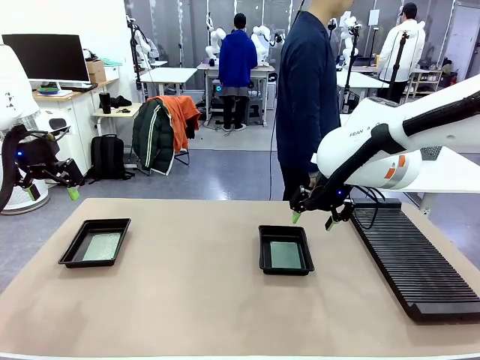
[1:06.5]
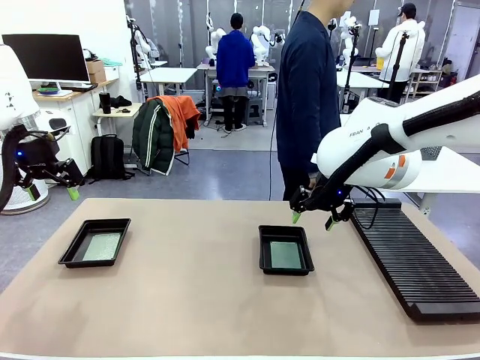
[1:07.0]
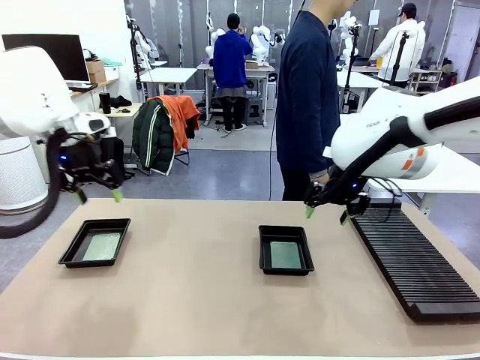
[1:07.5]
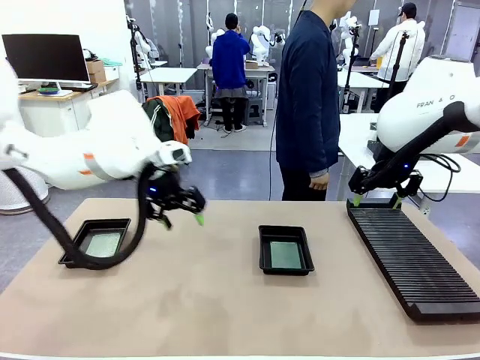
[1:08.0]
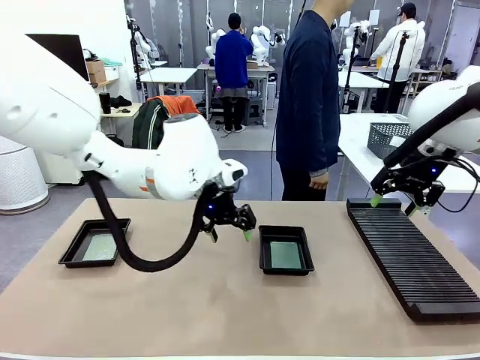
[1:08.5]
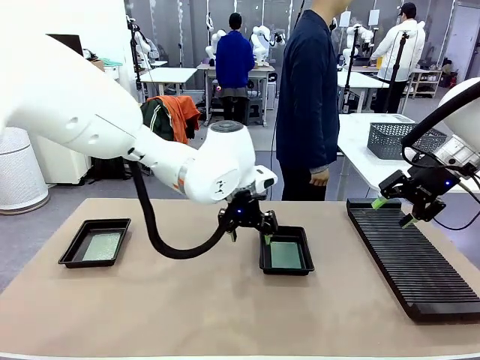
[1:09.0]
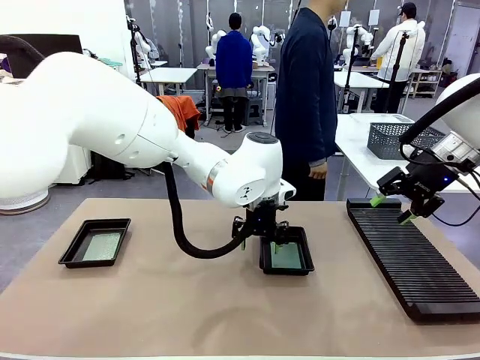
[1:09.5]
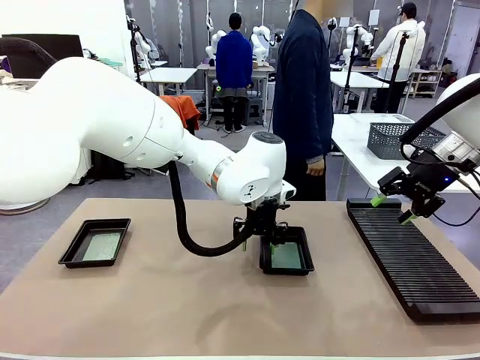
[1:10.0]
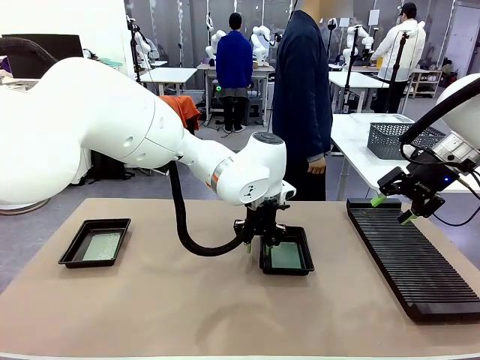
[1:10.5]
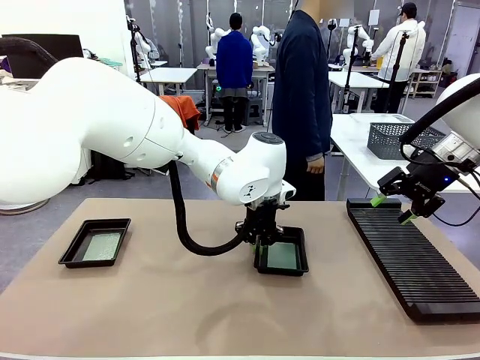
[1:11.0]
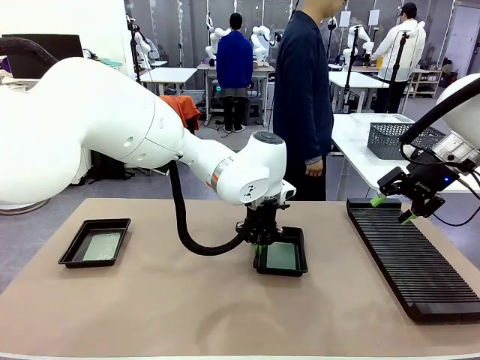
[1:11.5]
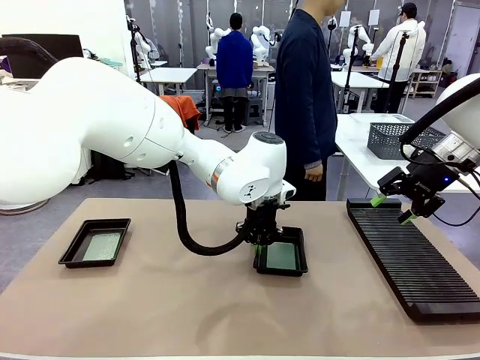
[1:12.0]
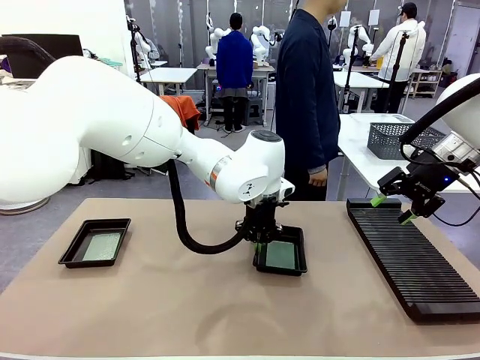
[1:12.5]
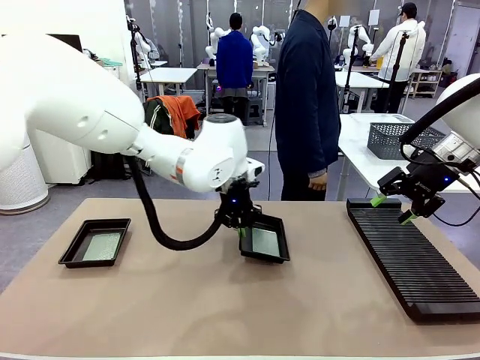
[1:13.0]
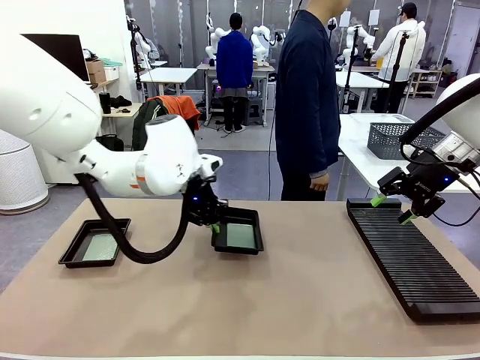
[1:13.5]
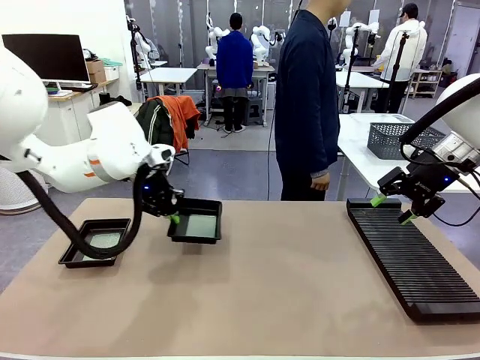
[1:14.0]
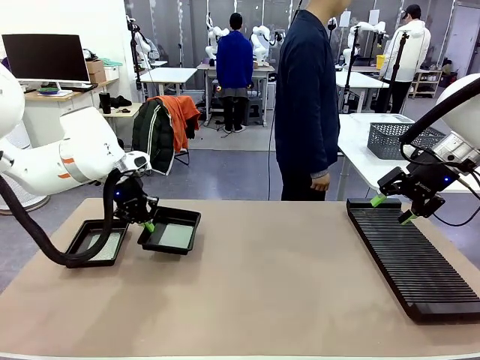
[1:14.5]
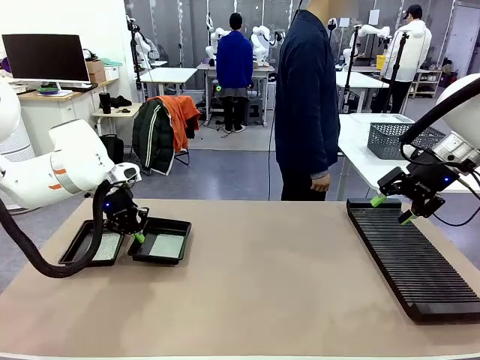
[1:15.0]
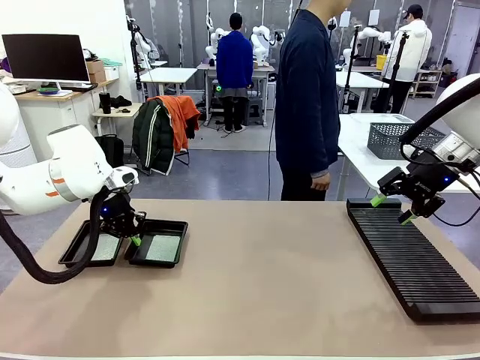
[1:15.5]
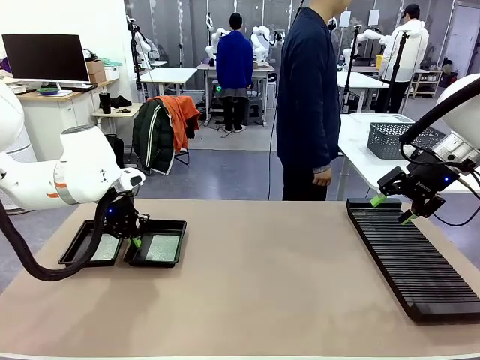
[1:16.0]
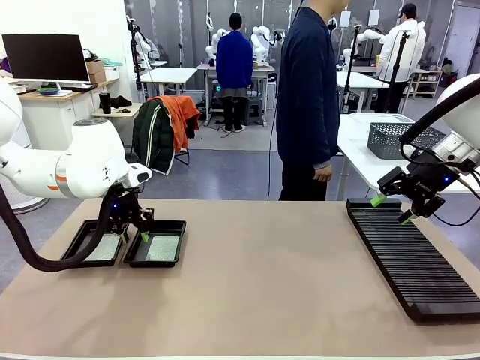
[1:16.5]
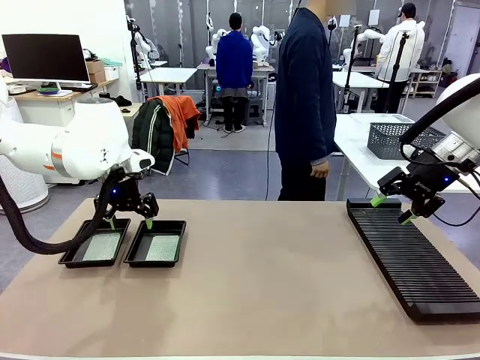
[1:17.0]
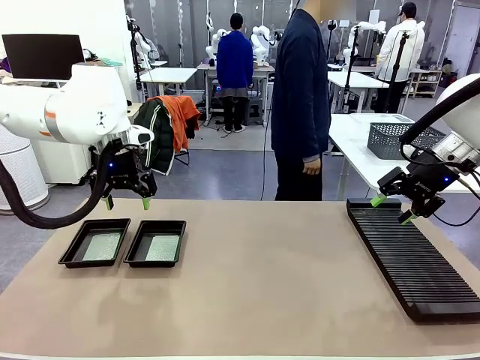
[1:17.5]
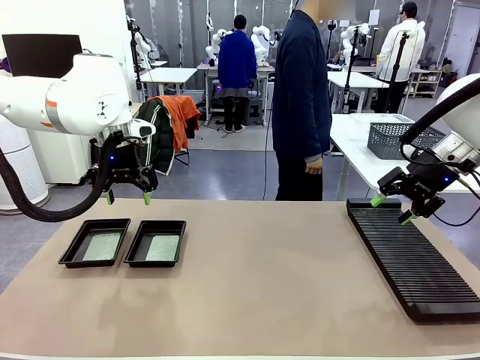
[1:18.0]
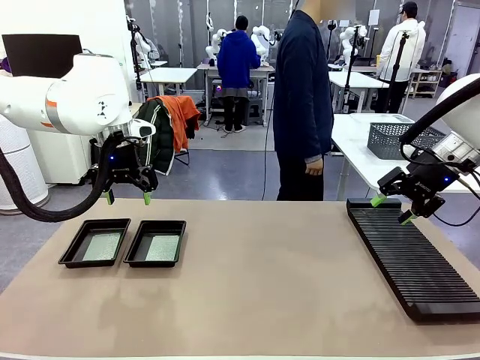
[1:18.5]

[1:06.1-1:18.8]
Task: Inspect and transfer BCBs to ESD trays.
Robot: Pick up the ESD tray and place it on the left side of the table.

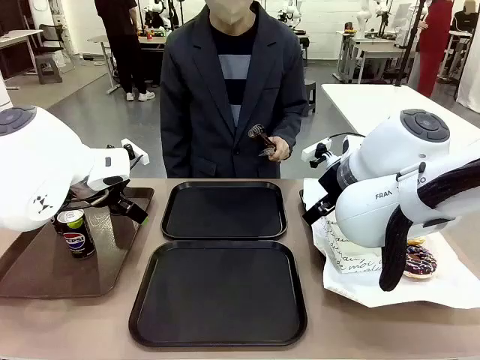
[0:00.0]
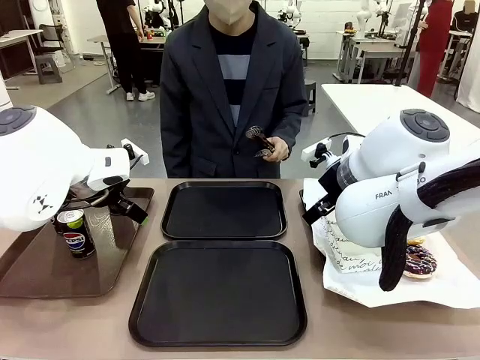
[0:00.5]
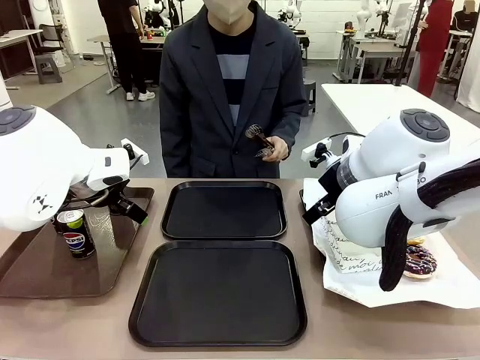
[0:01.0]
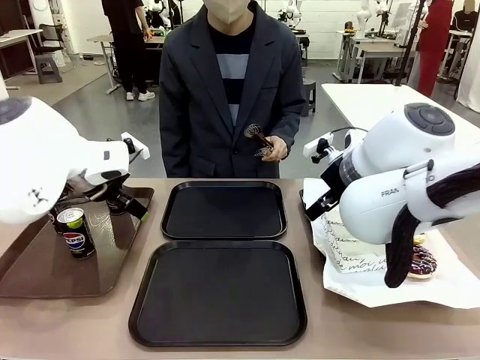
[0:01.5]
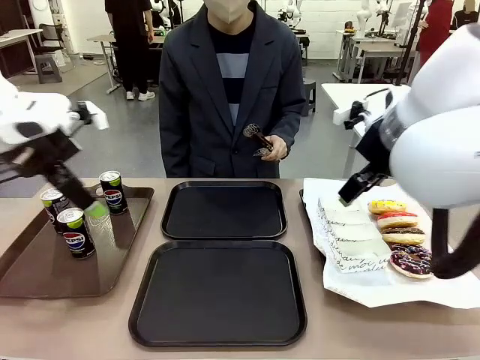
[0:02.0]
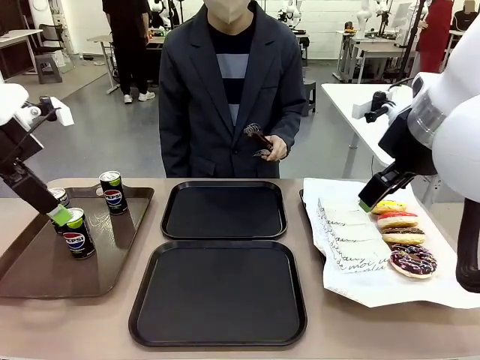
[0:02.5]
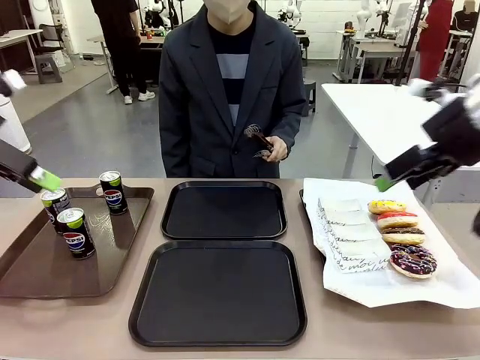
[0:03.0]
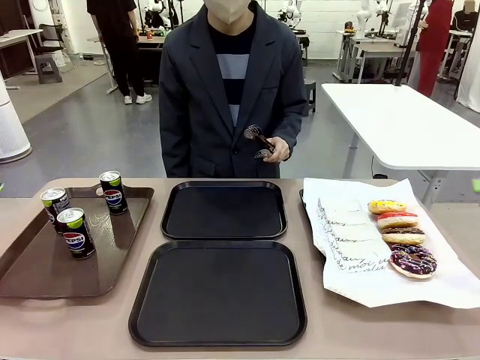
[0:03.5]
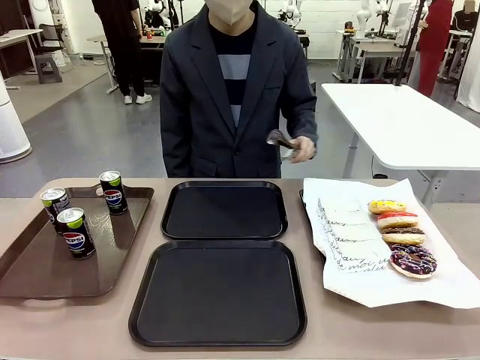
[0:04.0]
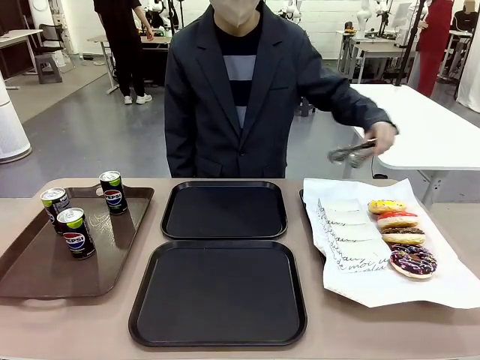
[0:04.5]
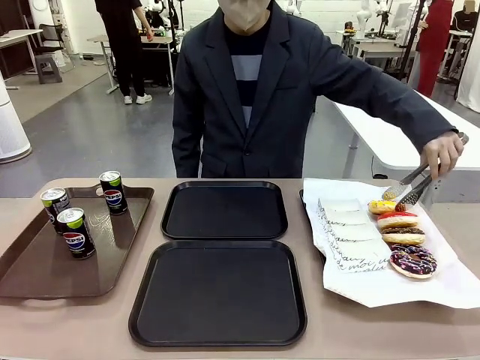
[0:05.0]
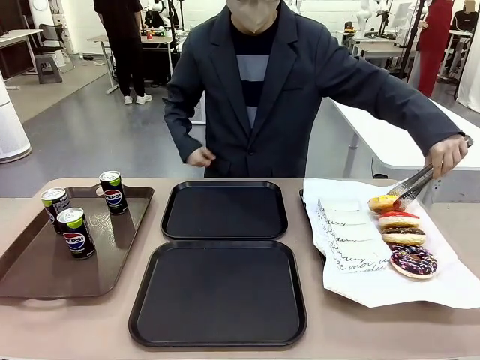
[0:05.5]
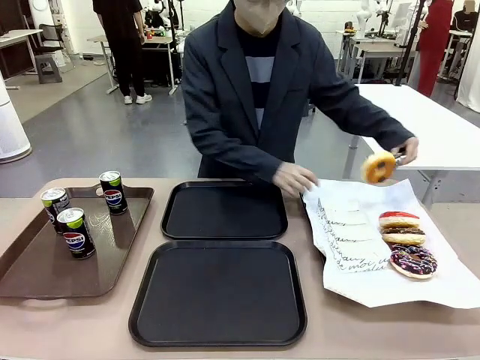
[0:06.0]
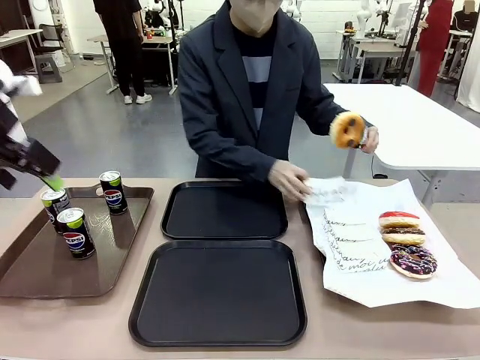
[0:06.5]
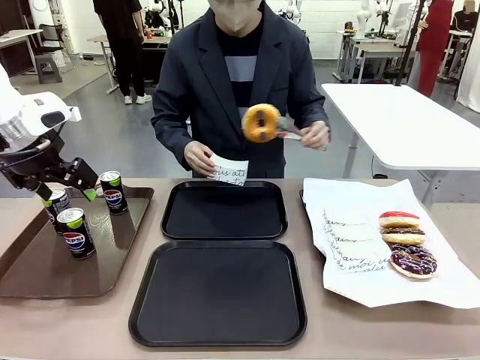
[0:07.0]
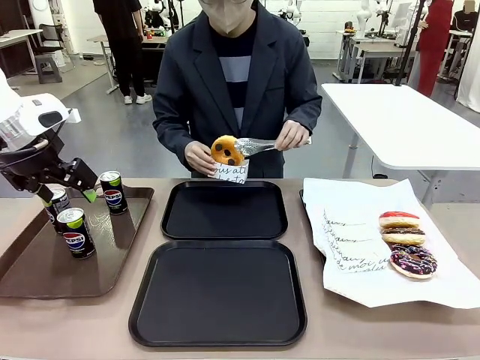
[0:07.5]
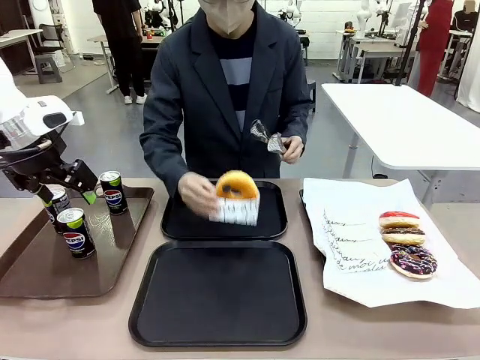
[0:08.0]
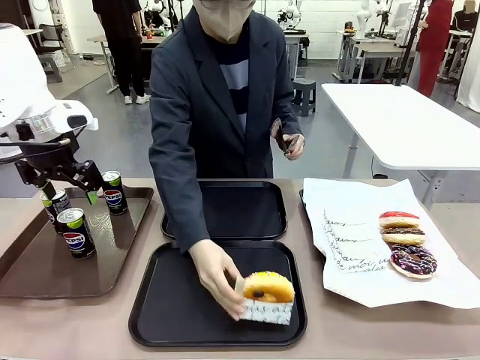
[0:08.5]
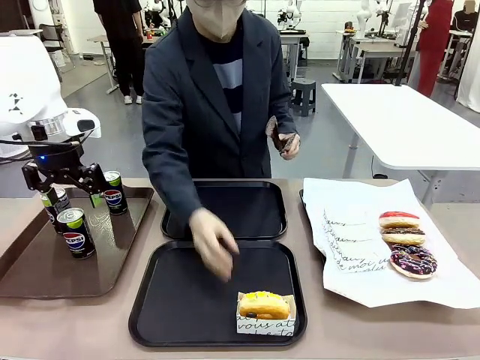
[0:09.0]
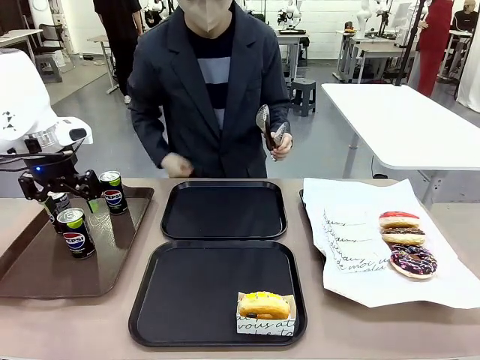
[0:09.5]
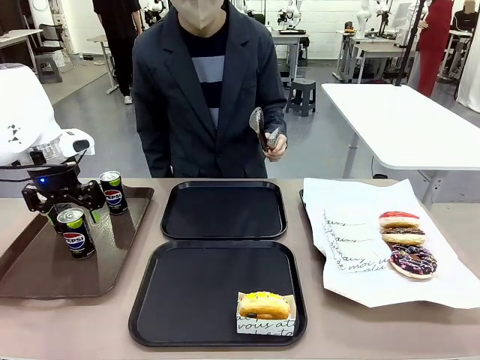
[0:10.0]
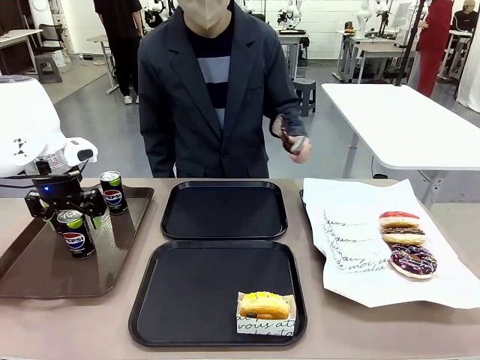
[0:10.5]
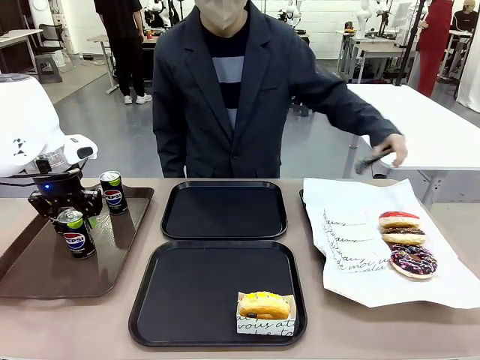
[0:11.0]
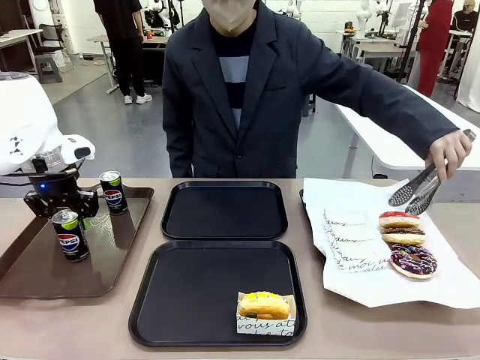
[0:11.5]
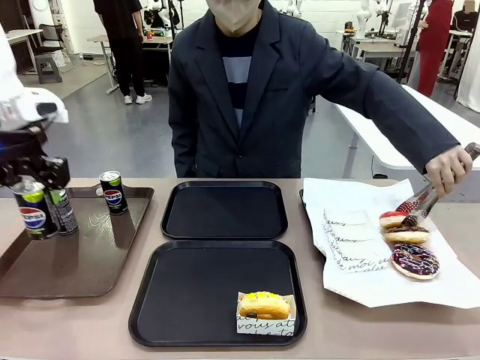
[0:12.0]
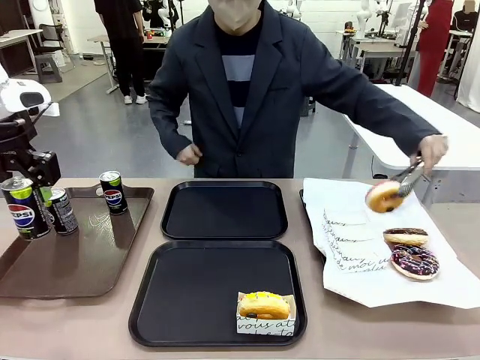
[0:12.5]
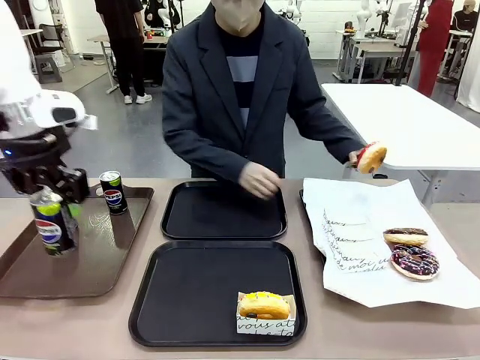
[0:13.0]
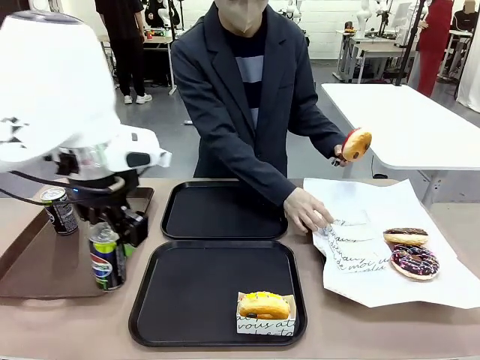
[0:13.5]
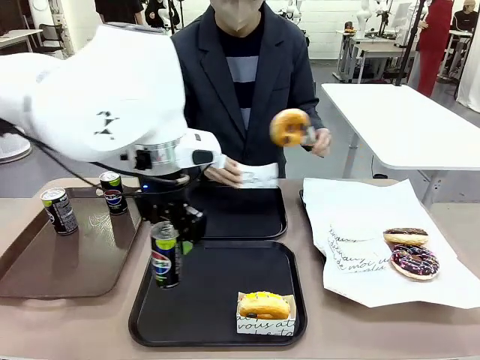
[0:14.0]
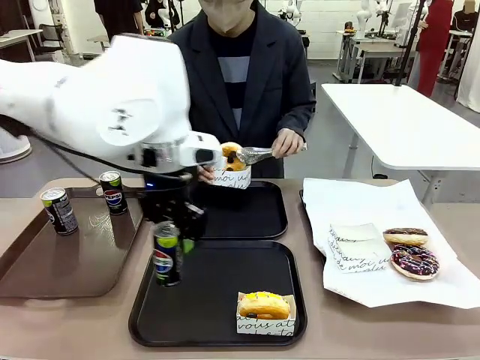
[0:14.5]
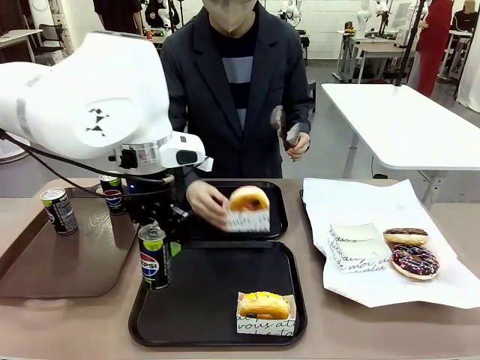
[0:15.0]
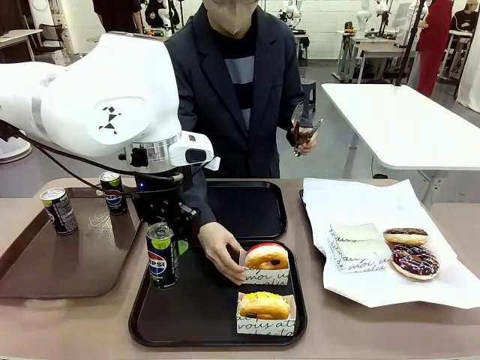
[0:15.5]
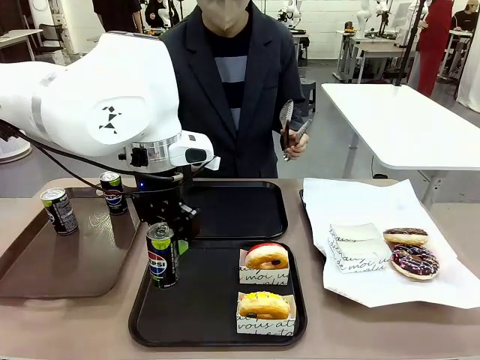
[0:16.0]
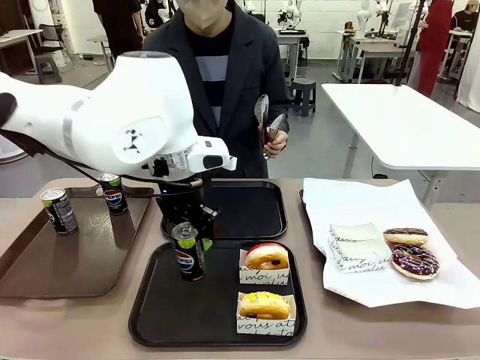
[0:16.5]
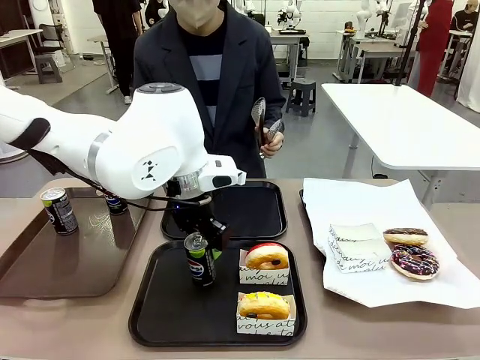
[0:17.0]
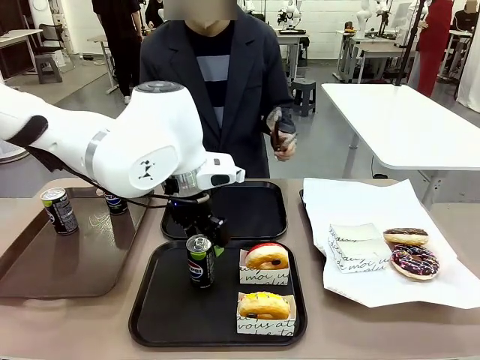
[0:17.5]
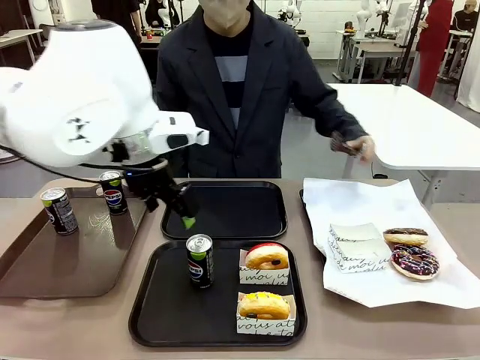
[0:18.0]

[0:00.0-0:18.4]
Task: Set up donuts and drinks on trays.
Robot: Pick up one Pepsi coke and place it on the Flat Tray.
